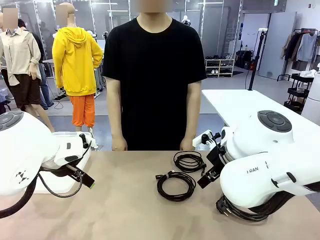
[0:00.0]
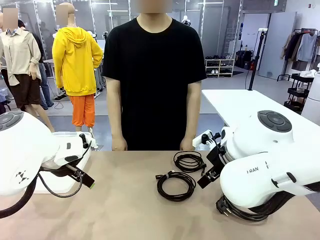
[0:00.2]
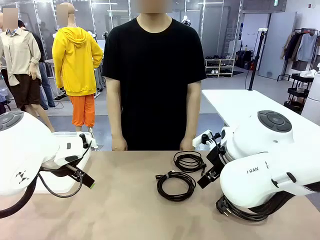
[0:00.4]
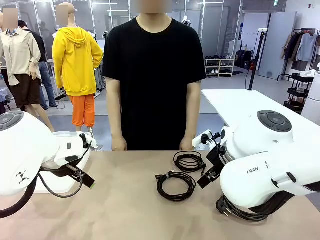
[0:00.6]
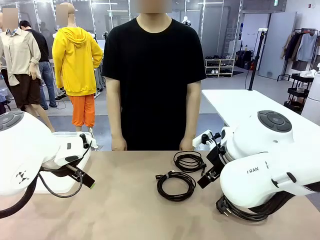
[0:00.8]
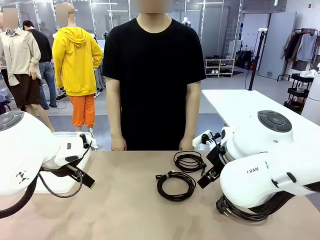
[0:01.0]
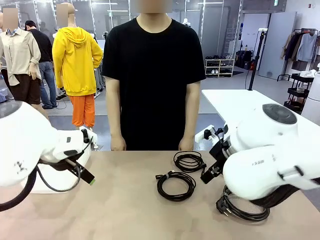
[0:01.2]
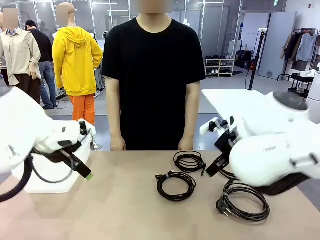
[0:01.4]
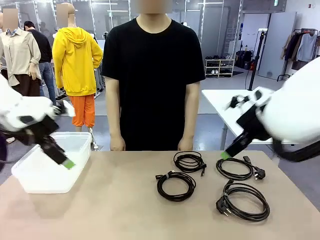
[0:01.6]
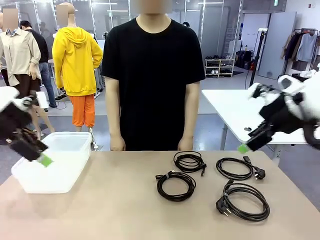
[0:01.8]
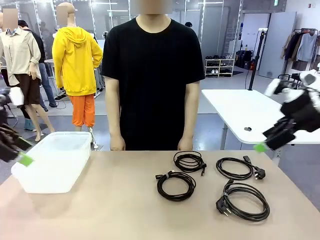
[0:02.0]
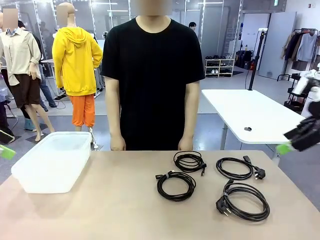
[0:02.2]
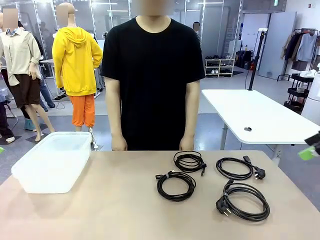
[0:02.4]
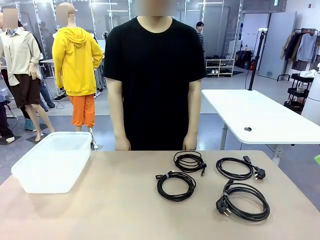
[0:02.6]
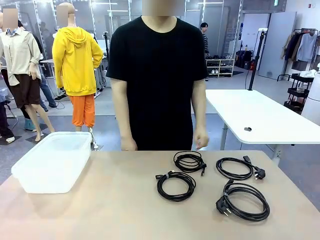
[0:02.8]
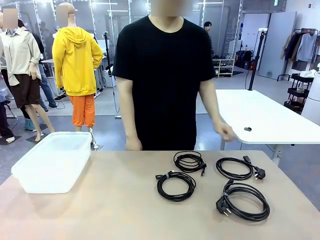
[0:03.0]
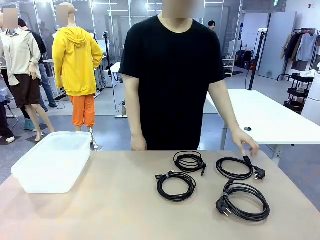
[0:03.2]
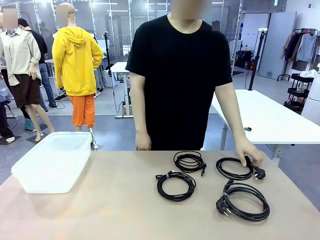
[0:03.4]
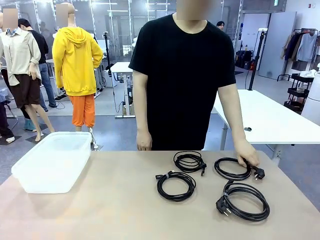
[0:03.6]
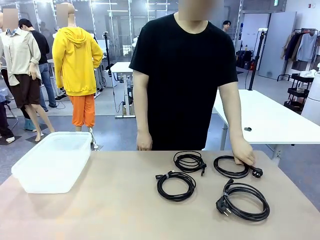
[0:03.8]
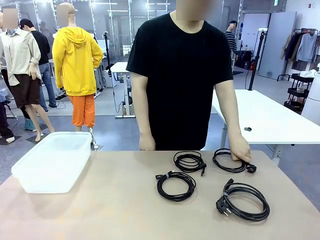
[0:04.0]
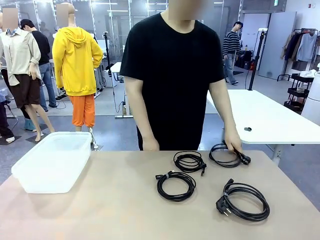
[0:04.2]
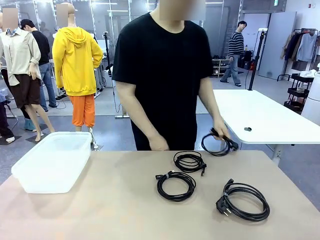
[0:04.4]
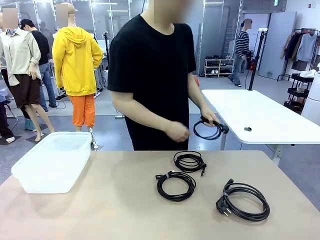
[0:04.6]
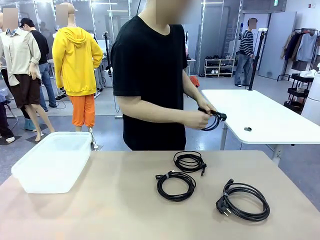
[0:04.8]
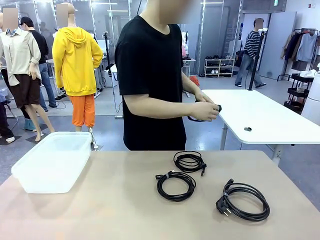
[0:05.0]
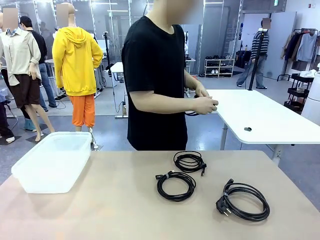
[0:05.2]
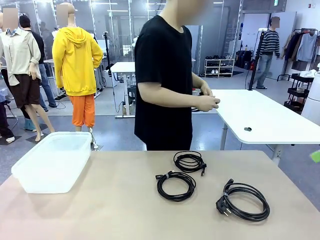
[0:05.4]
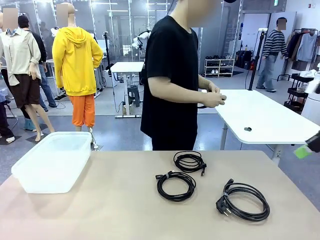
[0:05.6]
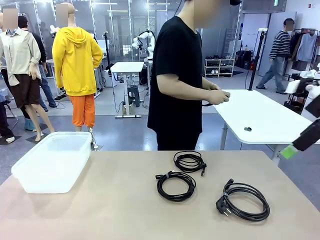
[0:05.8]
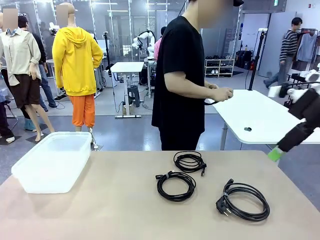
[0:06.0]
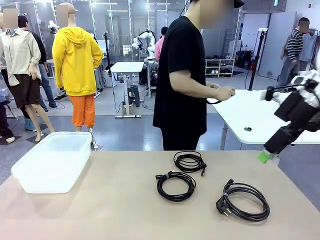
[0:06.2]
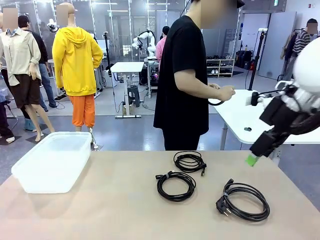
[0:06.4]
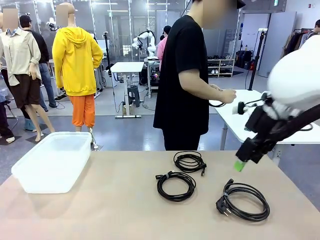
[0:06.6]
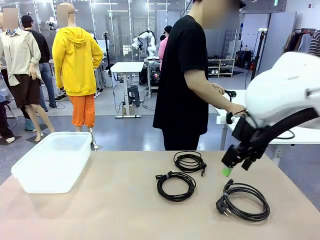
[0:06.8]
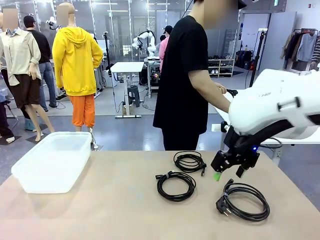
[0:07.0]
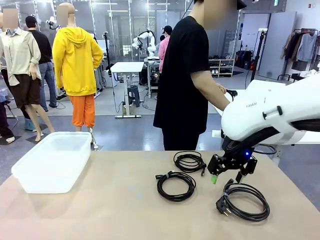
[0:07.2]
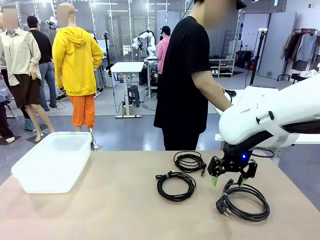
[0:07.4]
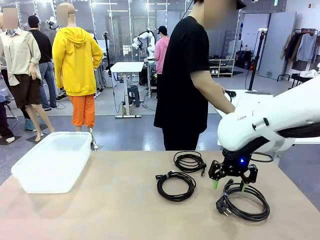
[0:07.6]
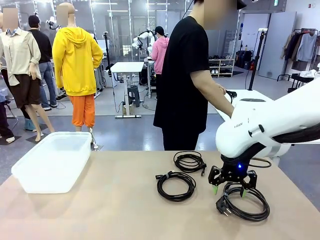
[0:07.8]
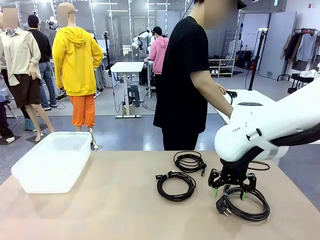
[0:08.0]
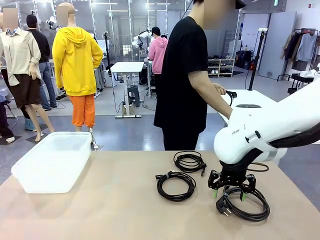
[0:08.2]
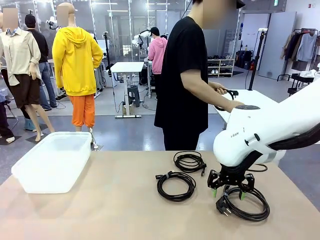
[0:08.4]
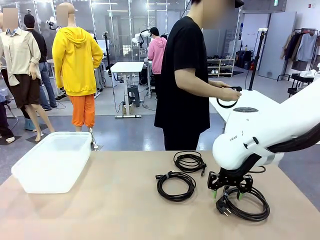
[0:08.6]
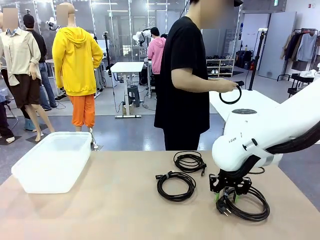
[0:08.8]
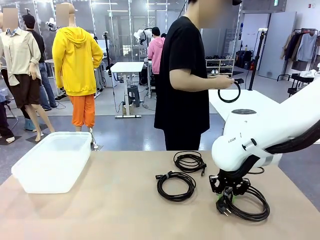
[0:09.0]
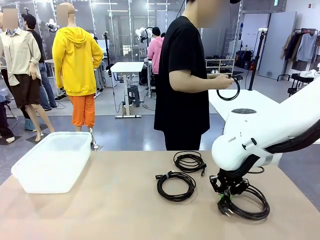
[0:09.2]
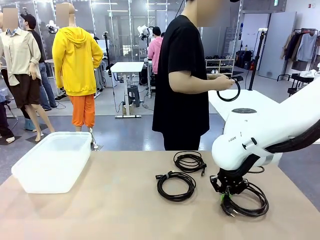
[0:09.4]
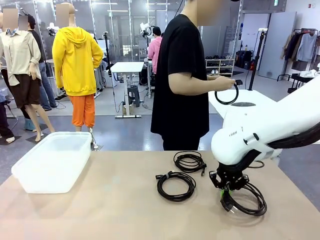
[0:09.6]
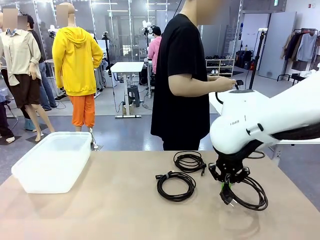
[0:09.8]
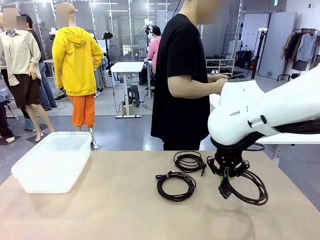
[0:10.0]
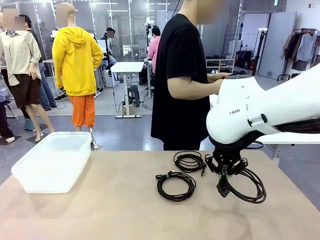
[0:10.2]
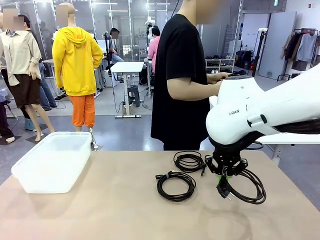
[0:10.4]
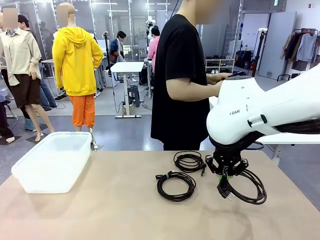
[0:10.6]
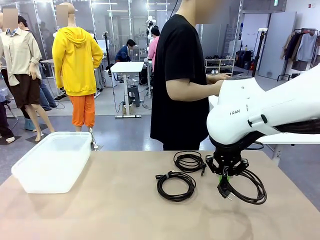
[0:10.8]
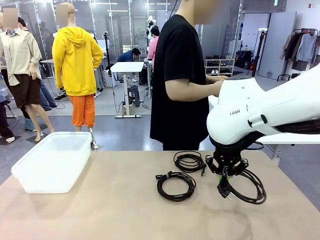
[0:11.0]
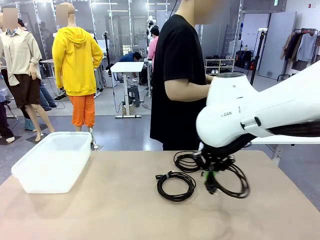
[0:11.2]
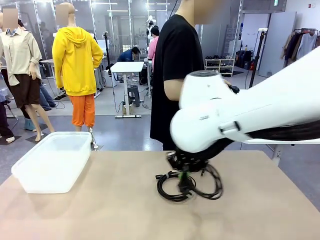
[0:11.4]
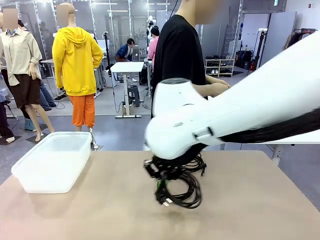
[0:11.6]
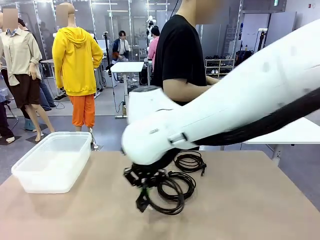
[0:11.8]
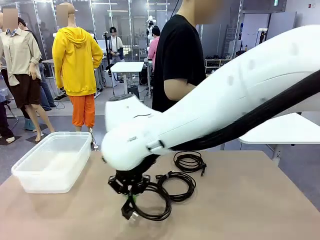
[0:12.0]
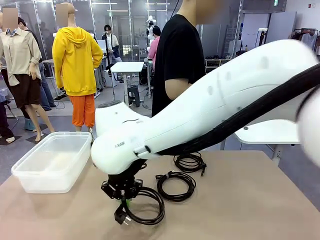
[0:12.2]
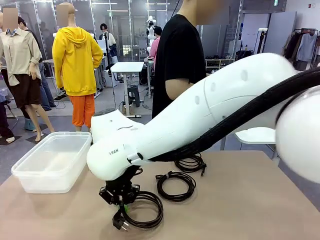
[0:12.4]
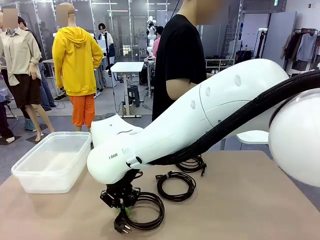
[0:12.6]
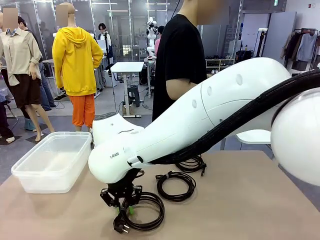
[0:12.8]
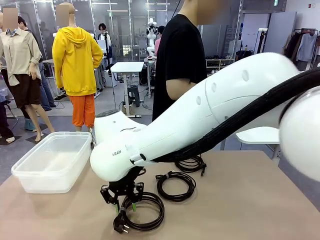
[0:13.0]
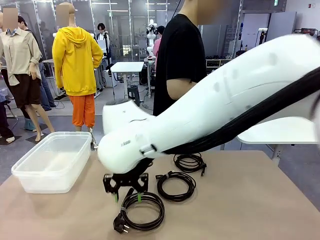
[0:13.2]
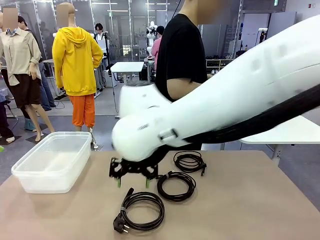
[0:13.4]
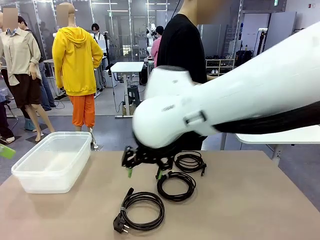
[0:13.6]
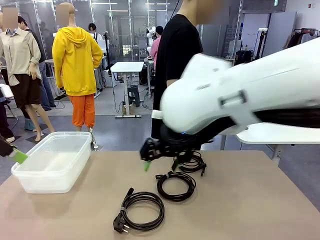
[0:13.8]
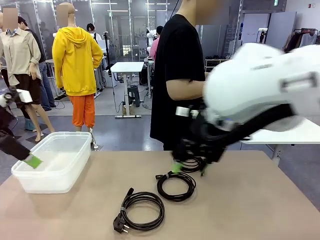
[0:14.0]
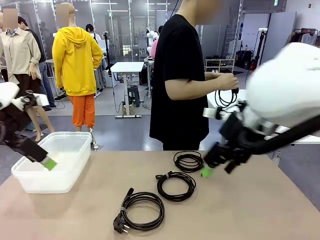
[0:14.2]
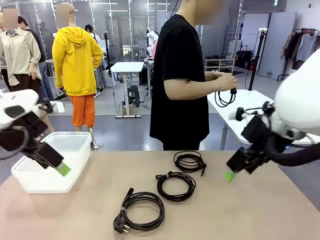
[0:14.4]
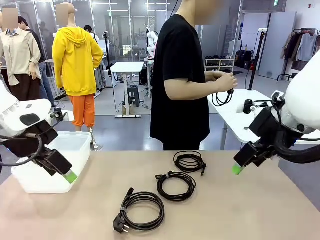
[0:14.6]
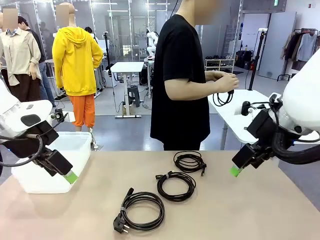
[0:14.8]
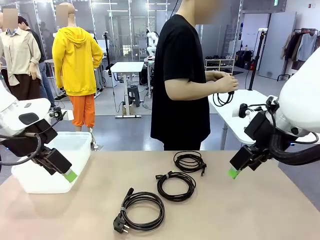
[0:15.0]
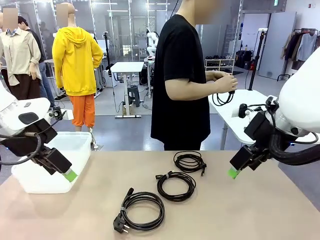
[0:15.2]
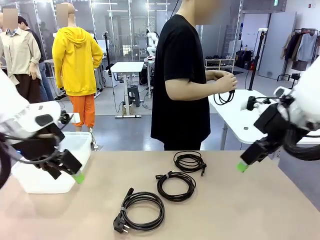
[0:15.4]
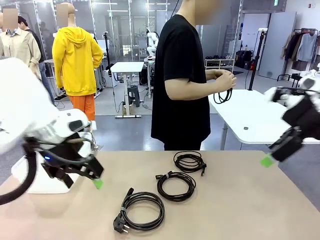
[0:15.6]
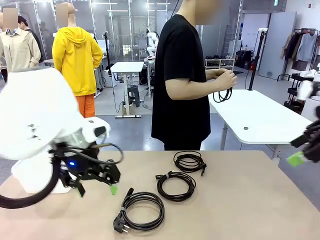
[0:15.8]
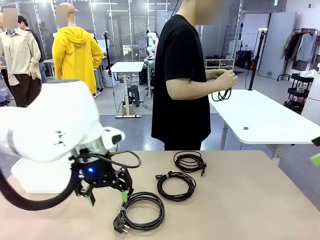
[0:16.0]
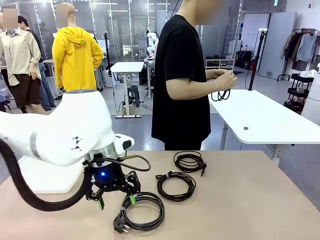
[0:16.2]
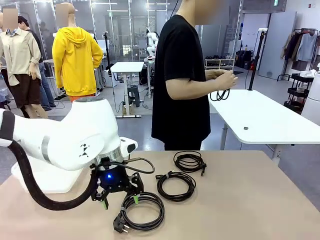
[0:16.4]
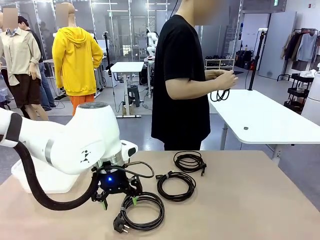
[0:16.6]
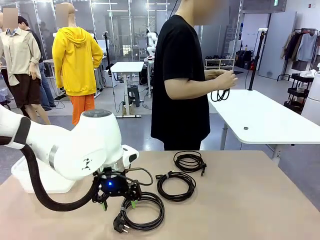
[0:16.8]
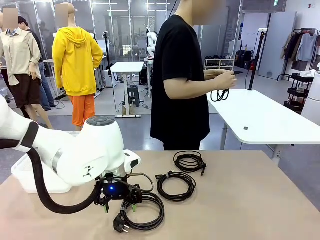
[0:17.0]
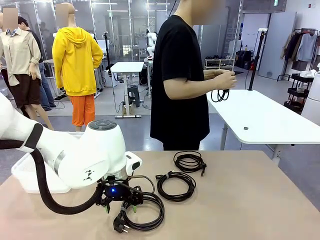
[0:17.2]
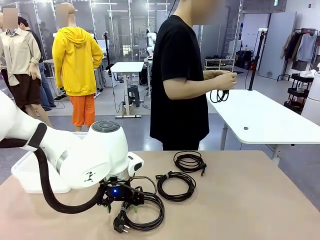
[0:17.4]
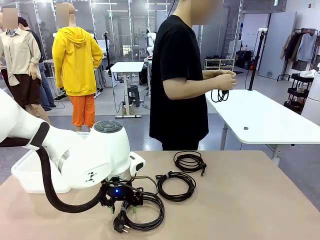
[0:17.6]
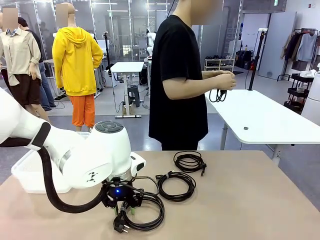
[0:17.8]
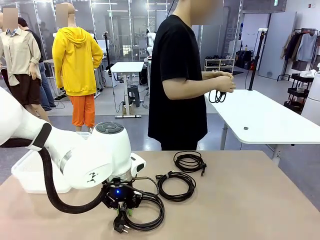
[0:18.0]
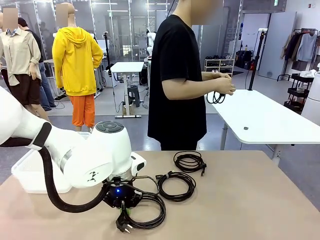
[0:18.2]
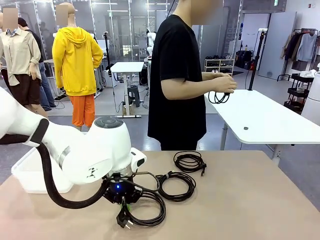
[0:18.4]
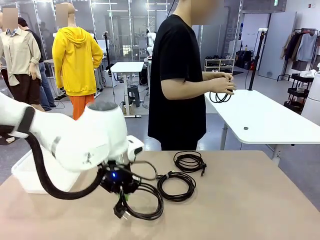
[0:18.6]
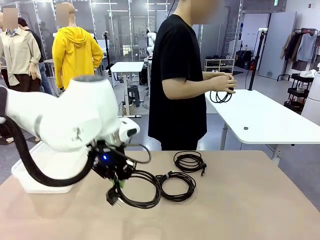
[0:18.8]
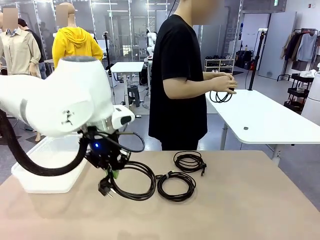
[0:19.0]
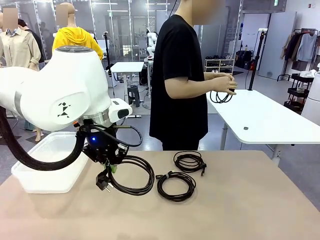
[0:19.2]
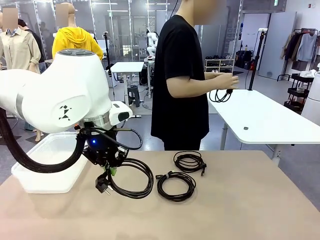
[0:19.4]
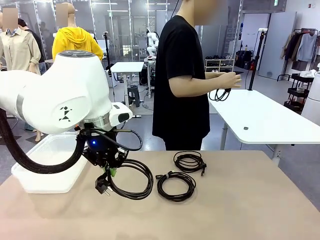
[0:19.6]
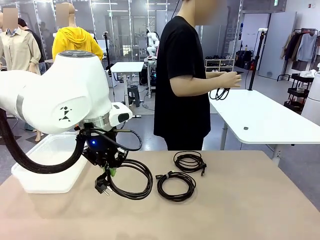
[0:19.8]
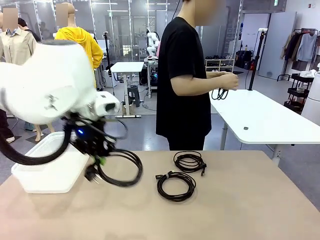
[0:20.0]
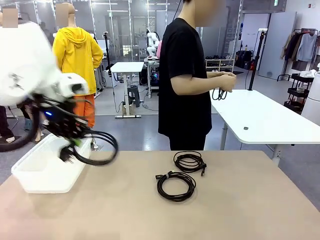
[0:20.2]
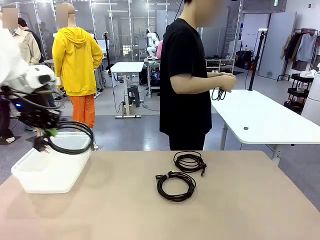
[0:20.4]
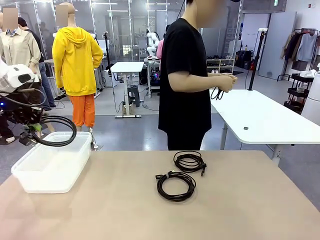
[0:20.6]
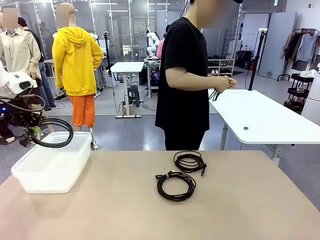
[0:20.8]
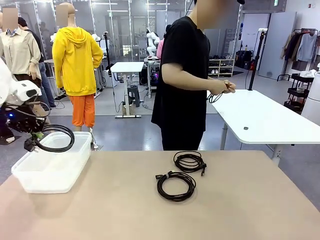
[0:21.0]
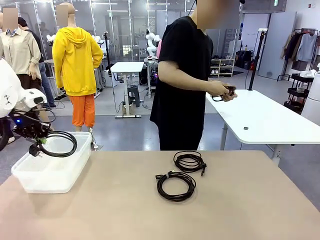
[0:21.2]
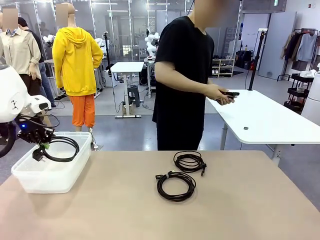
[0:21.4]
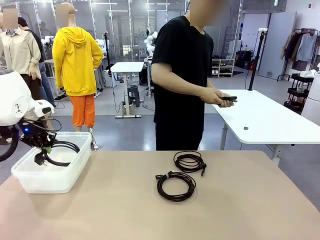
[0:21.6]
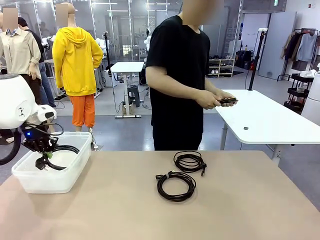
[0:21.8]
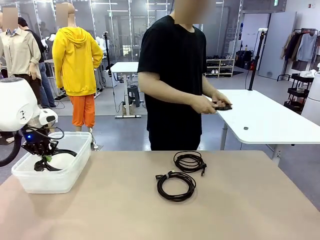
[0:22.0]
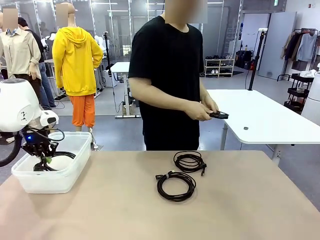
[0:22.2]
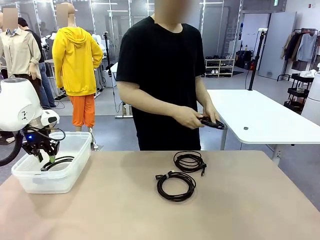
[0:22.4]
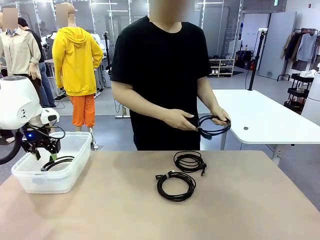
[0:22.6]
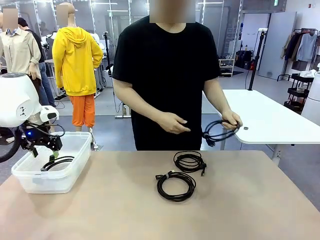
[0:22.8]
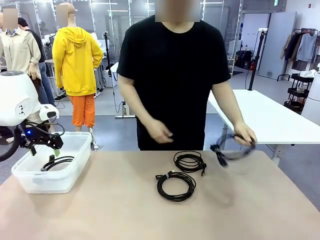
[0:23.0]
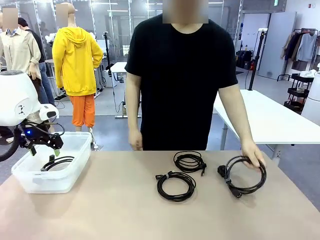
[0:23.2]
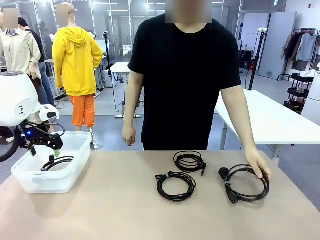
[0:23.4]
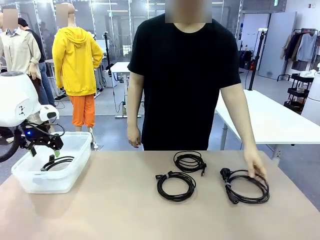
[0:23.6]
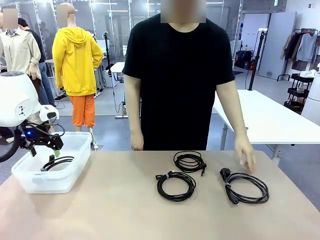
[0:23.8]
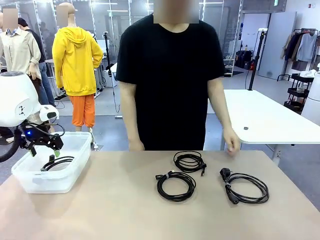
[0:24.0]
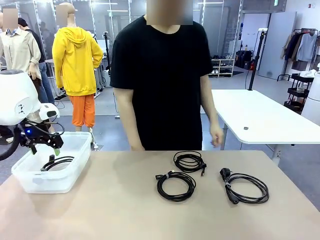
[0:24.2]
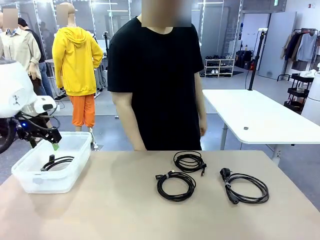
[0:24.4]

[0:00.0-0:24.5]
Task: Organize and store the cables.
Robot: Place the Power Cable into the Organizing box.
Person: Tie one Power Cable with a Reusable Cable Tie.
